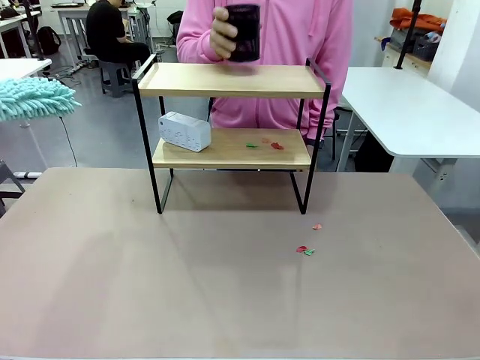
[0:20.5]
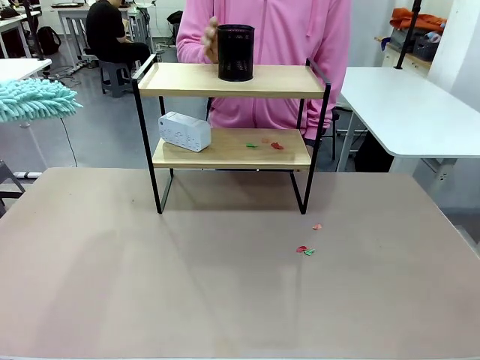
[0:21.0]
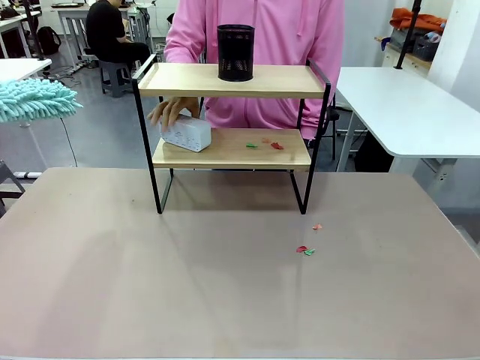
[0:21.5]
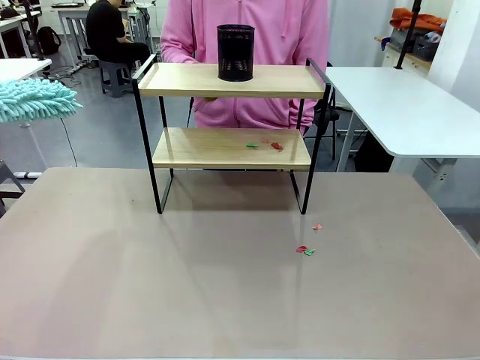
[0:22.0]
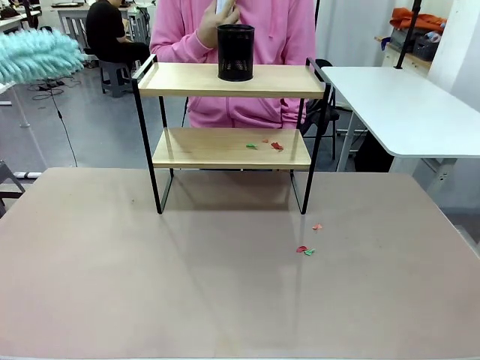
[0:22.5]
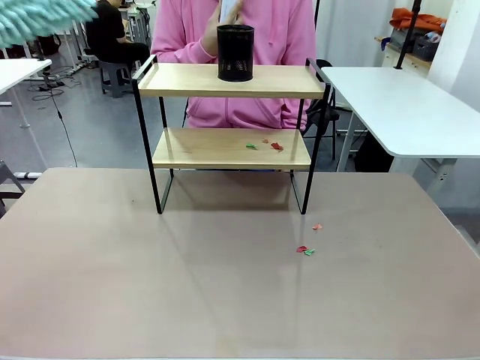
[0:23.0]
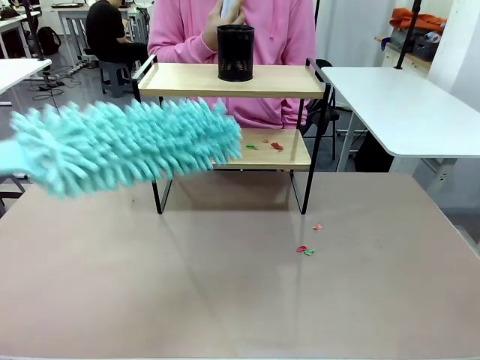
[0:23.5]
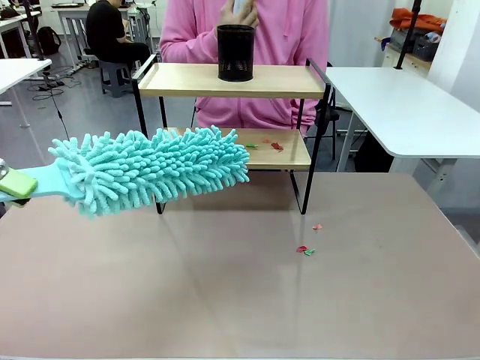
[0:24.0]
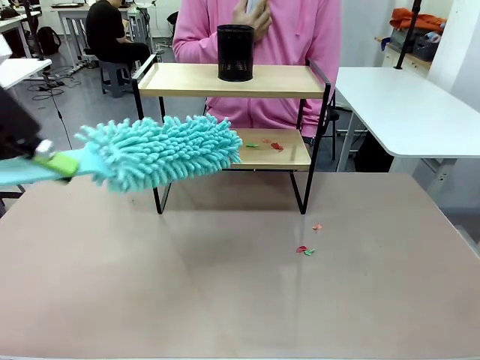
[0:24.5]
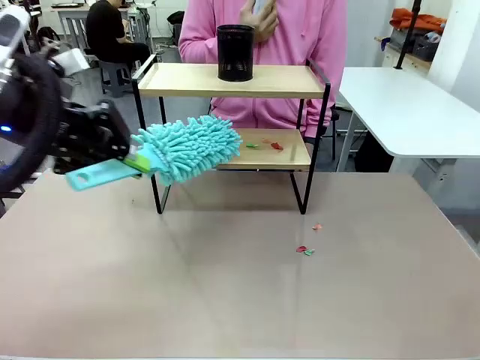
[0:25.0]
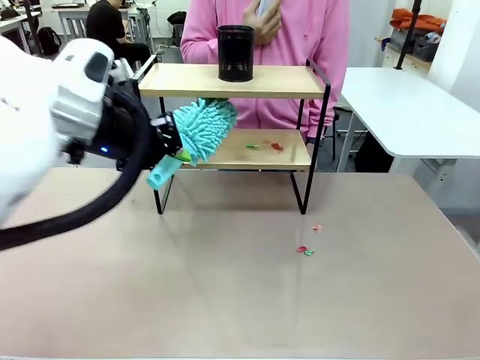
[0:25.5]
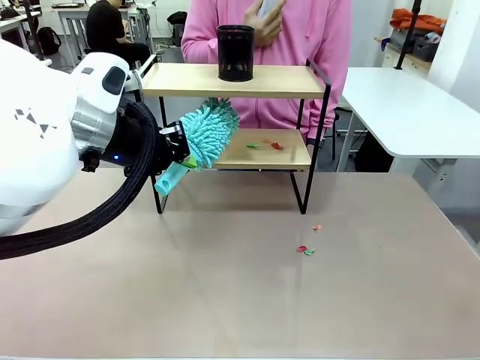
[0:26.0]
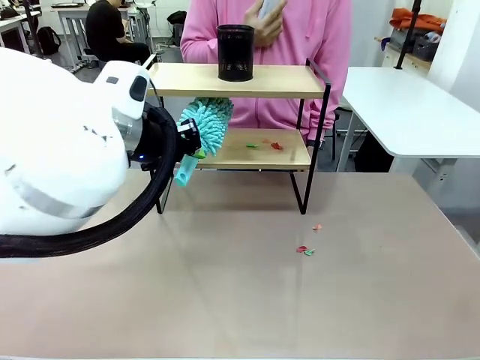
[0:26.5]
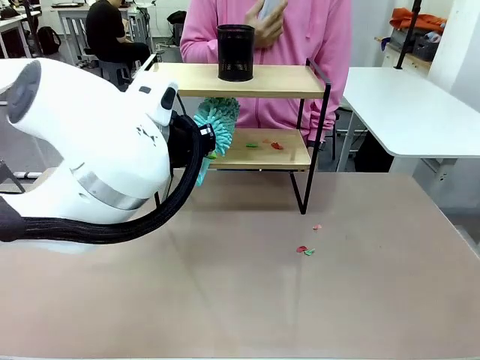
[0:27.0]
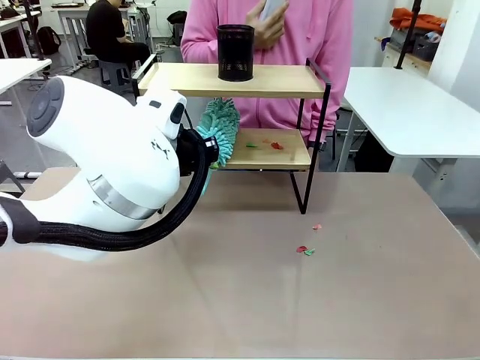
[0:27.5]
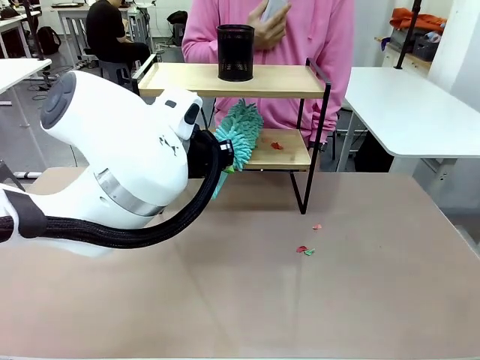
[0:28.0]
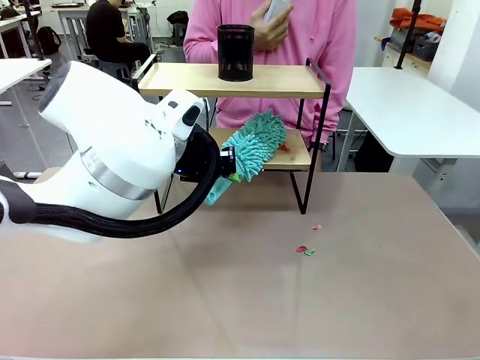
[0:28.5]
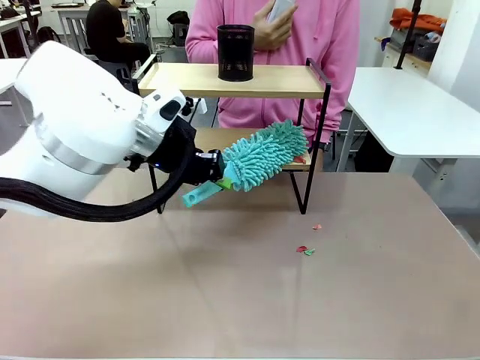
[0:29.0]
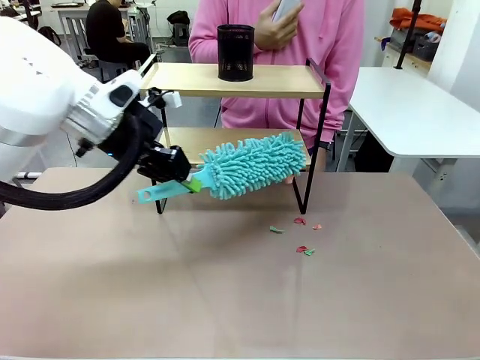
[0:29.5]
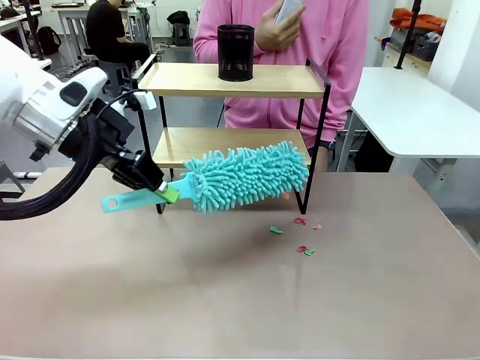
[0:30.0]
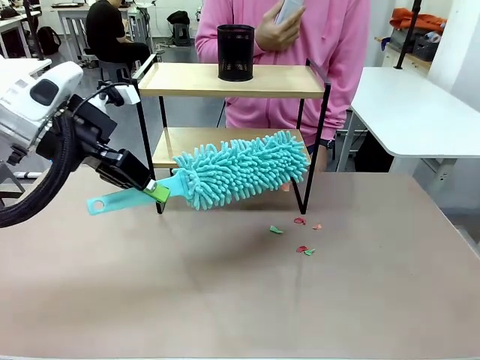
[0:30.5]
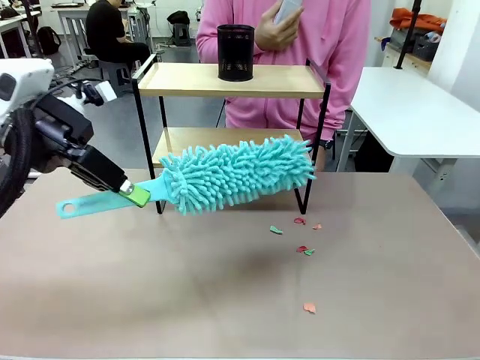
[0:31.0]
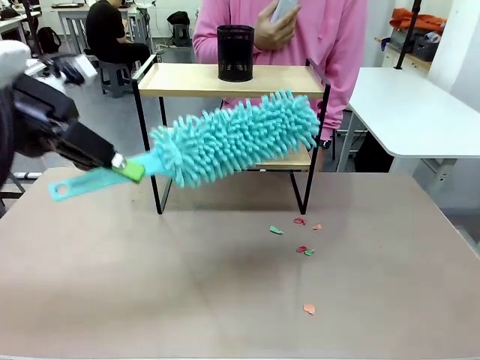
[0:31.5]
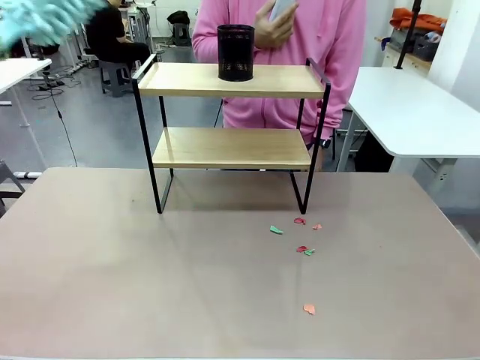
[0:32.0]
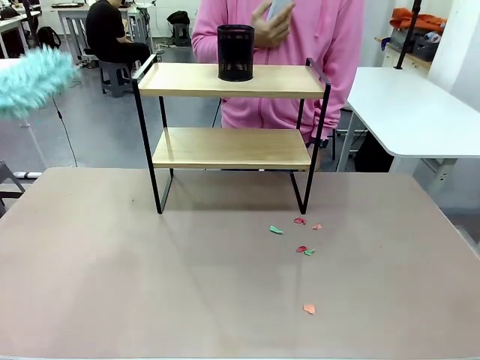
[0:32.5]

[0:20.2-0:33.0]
Task: Clean the shelf.
Robot: Clean the remaining tier of the Shelf with the Duster once objects are removed.

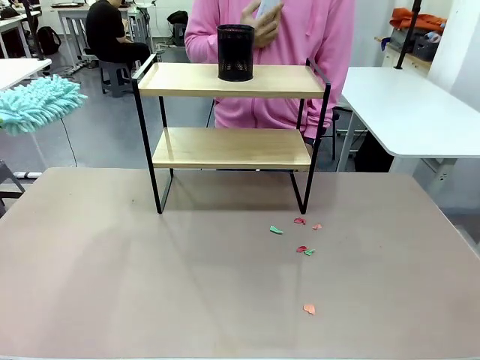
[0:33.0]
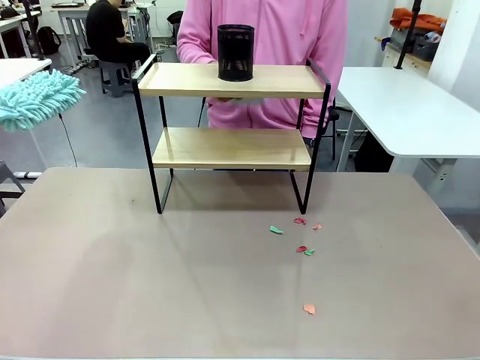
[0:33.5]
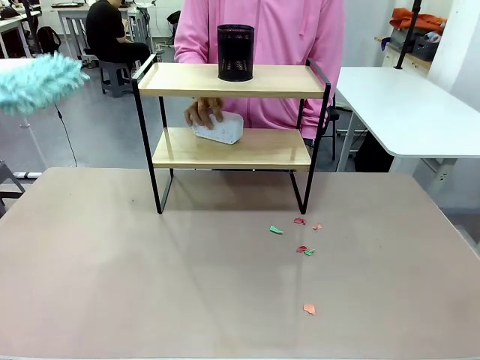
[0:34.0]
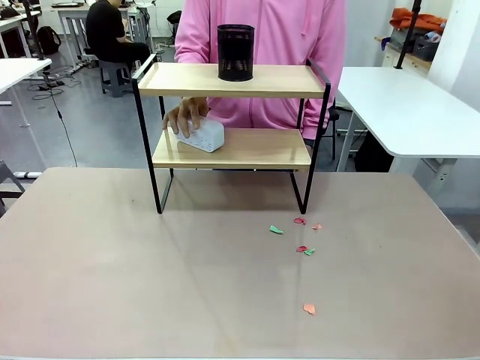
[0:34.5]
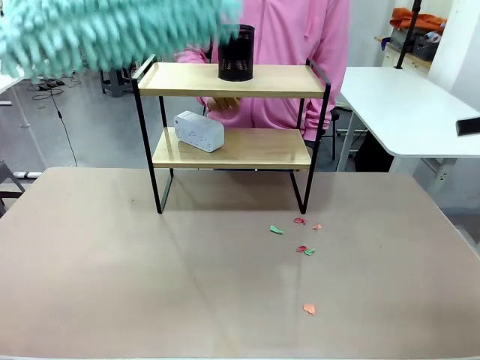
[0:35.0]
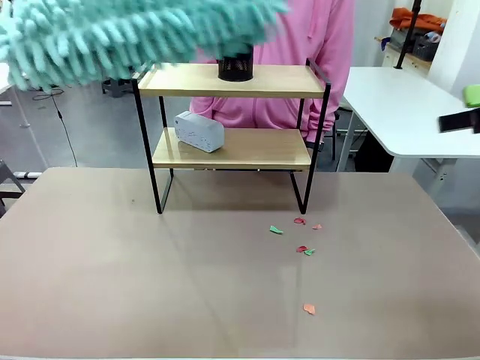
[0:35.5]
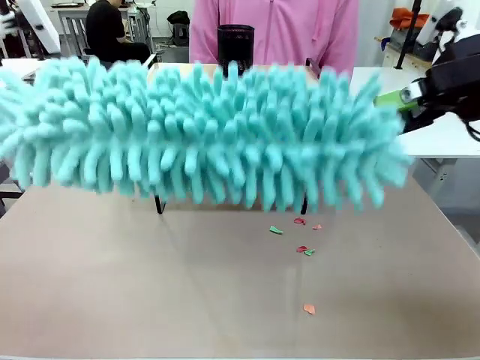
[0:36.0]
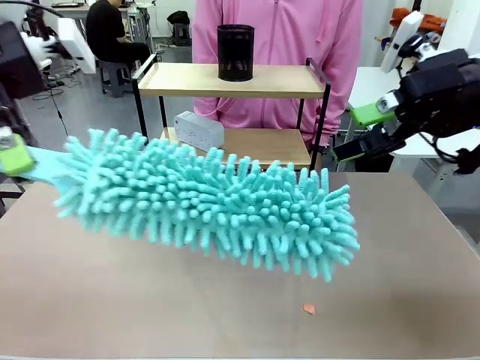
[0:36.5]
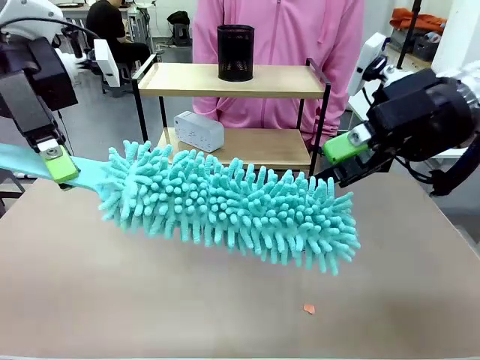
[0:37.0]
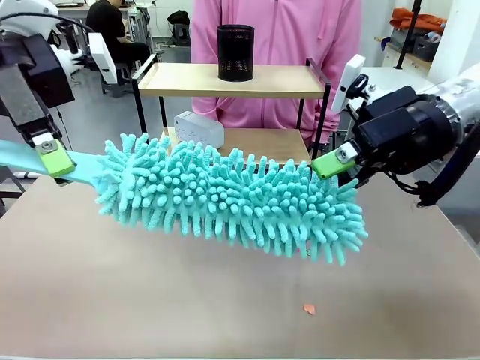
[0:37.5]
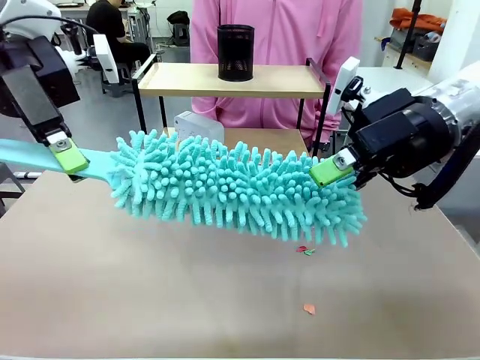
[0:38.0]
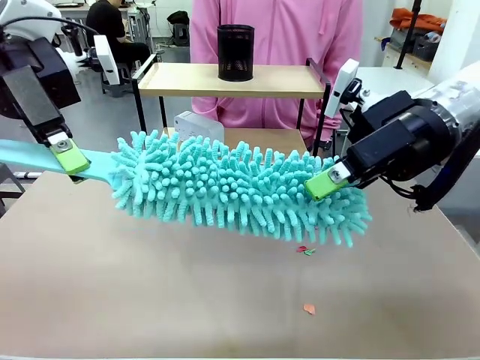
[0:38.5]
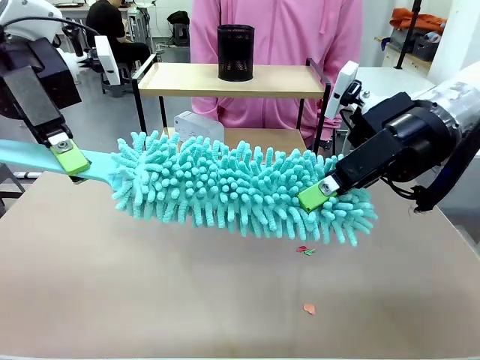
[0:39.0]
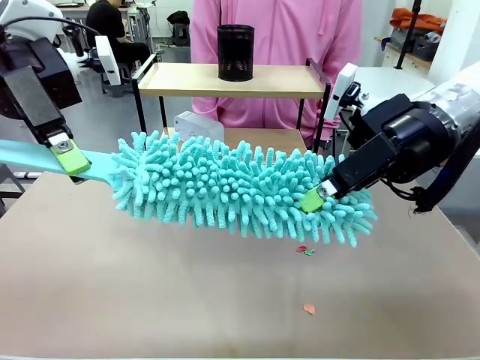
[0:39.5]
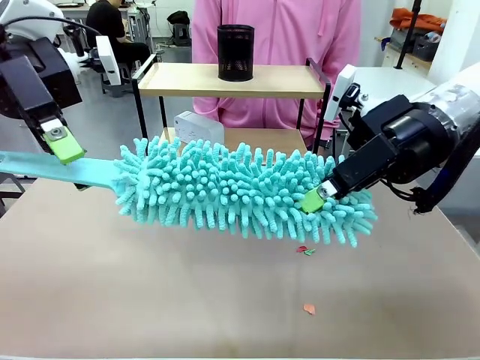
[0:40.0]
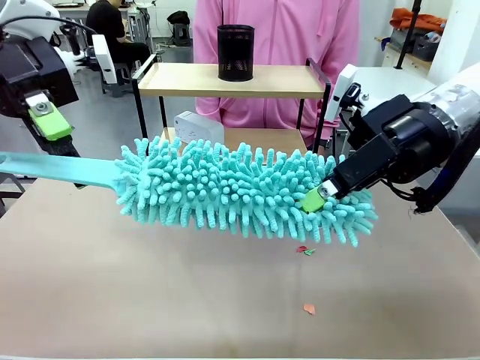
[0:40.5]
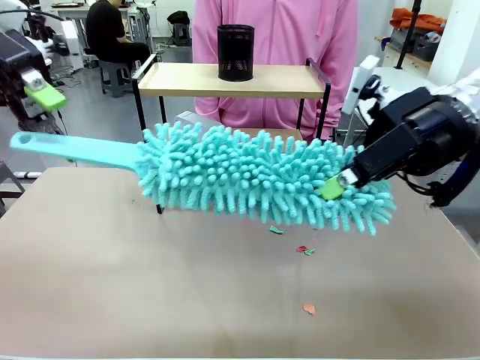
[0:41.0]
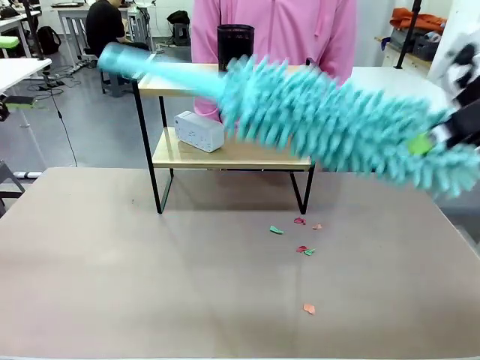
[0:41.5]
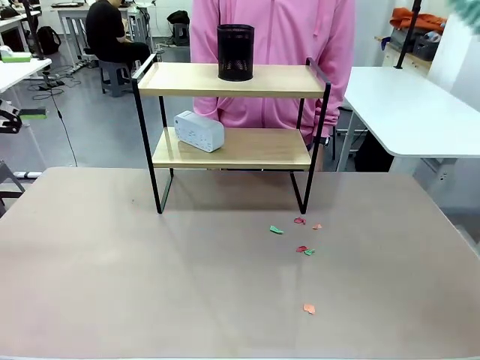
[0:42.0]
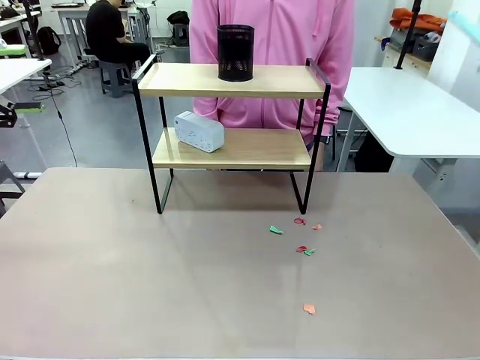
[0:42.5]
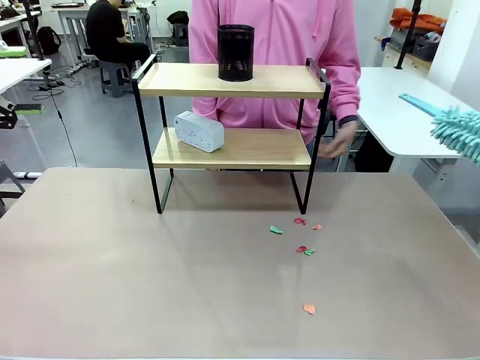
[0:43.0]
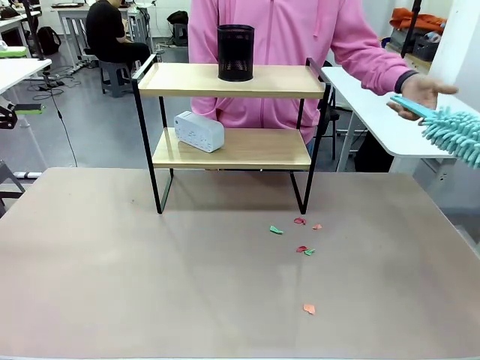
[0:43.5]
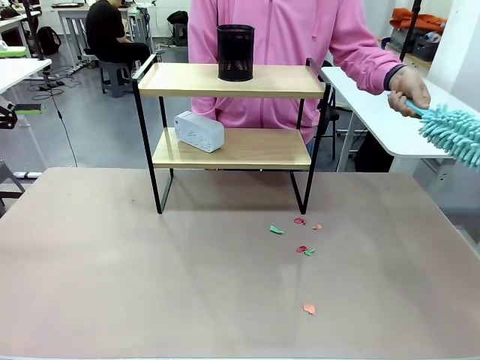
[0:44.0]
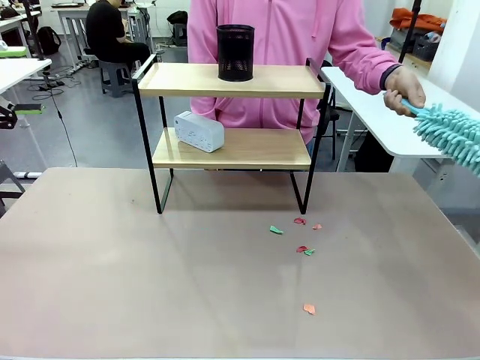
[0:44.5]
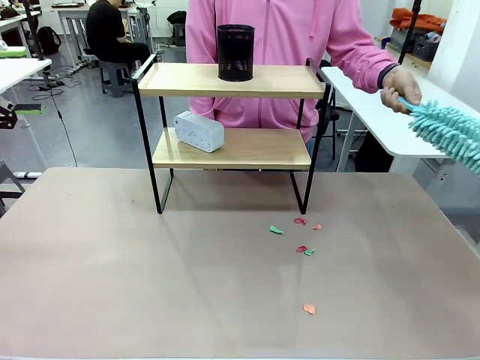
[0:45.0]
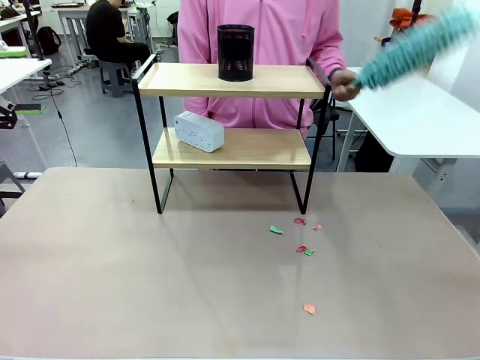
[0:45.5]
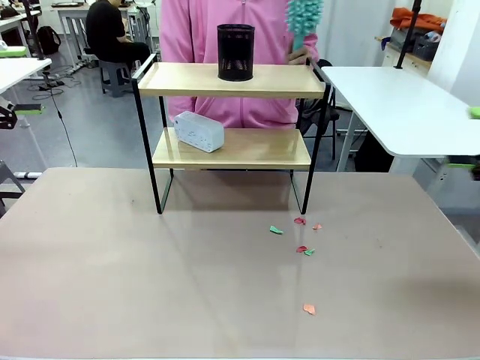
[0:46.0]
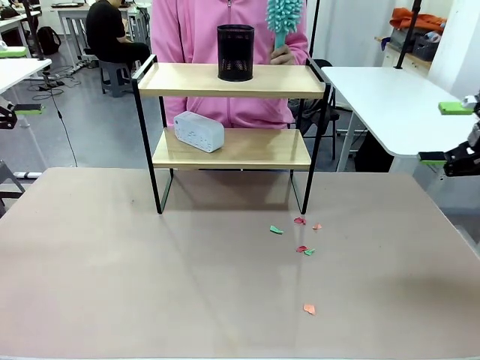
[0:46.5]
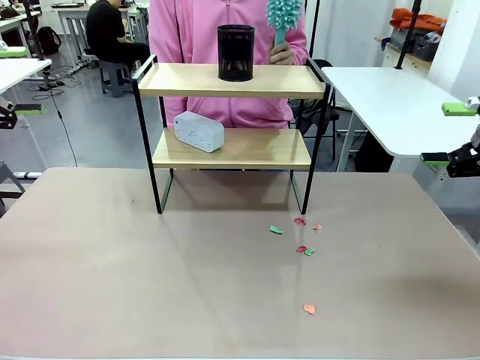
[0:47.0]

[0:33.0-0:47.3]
Robot: Hand the Duster back to the human.
Person: Receive the Duster from the robot.
